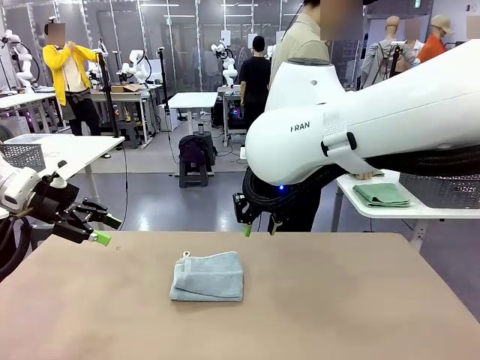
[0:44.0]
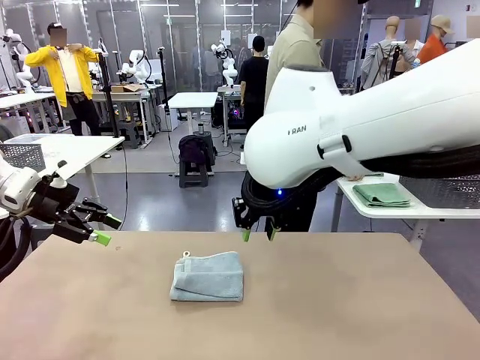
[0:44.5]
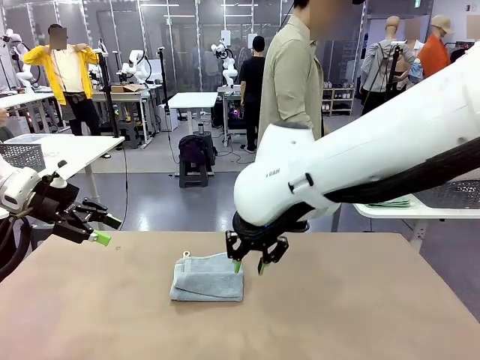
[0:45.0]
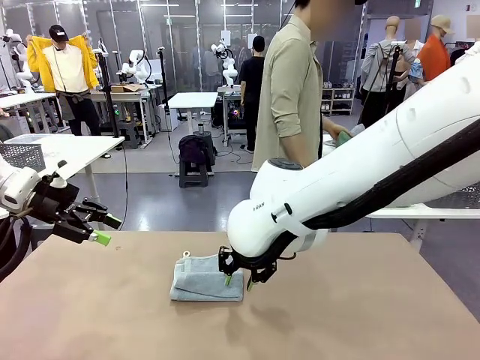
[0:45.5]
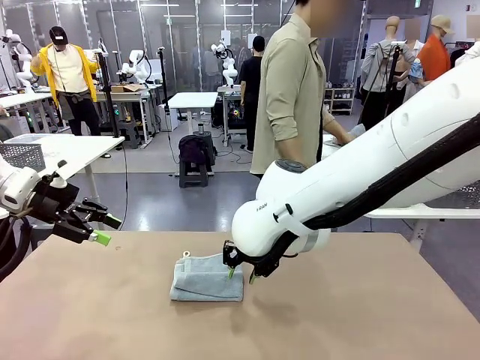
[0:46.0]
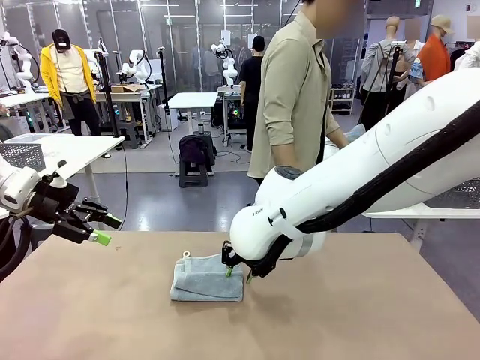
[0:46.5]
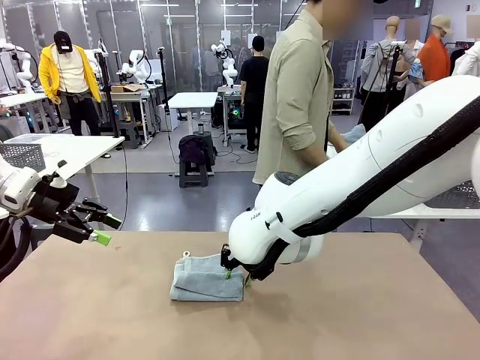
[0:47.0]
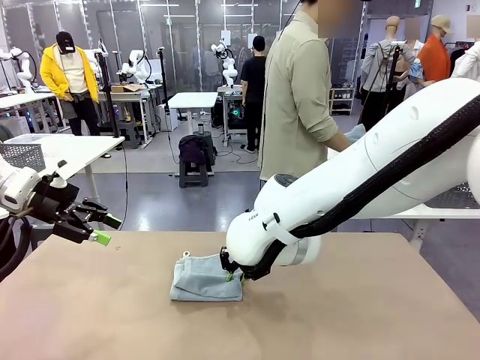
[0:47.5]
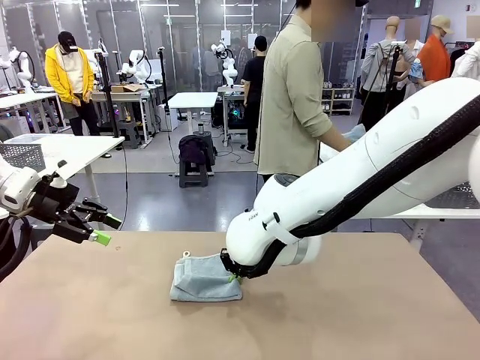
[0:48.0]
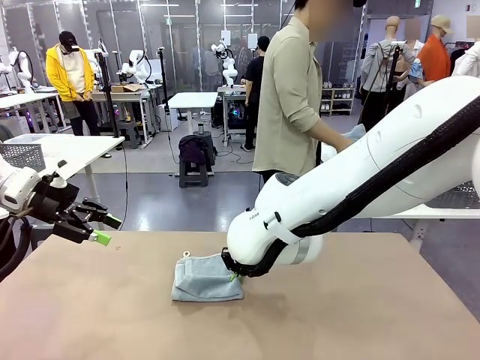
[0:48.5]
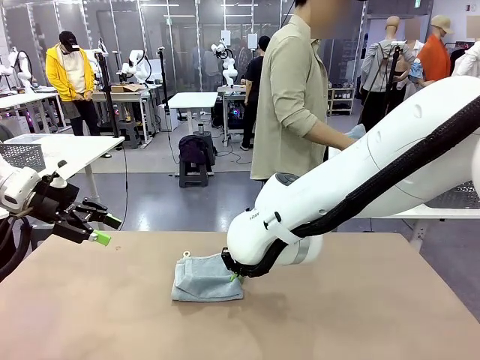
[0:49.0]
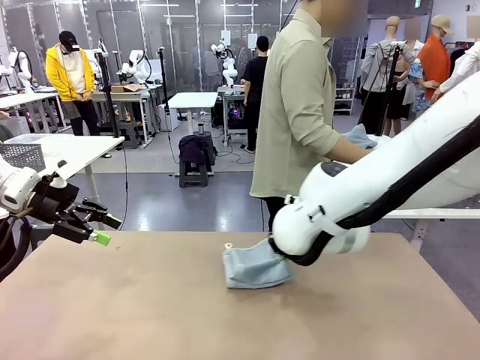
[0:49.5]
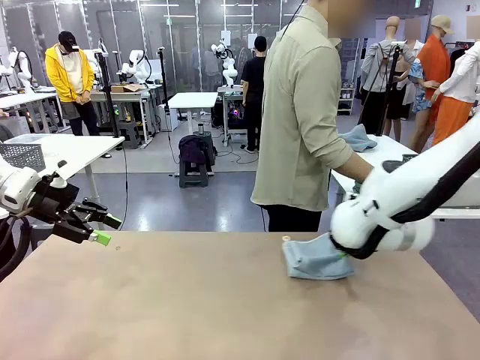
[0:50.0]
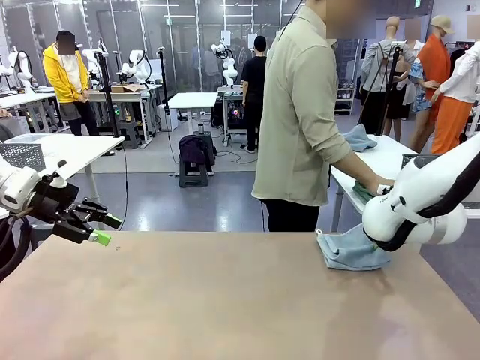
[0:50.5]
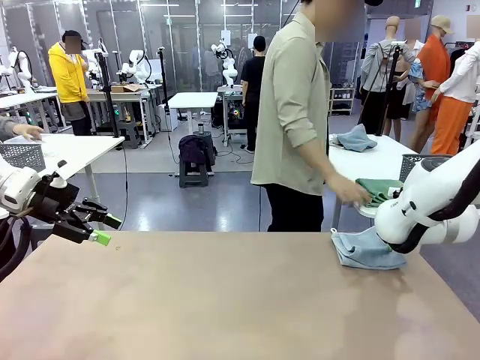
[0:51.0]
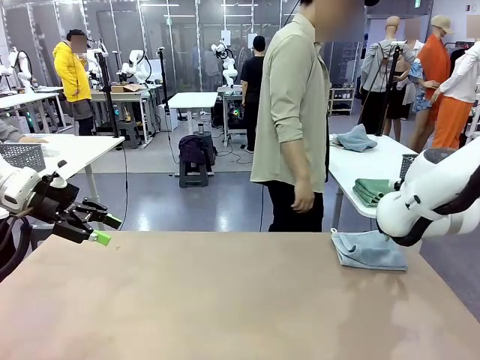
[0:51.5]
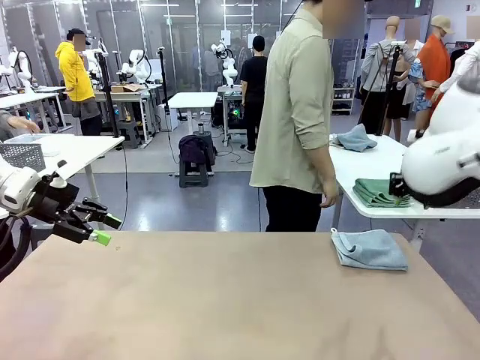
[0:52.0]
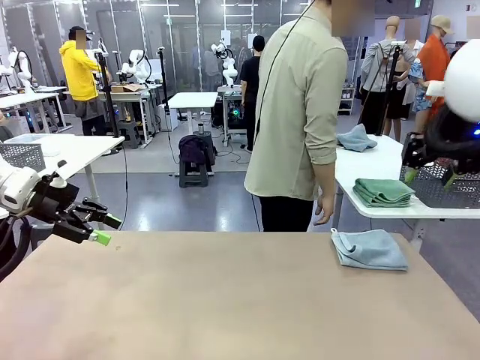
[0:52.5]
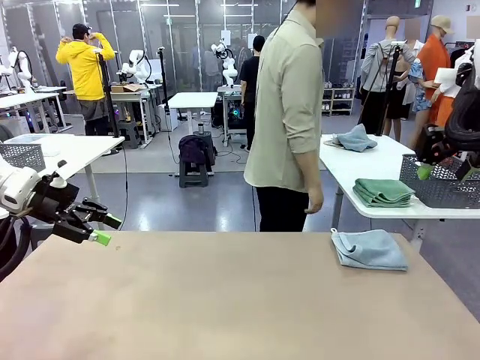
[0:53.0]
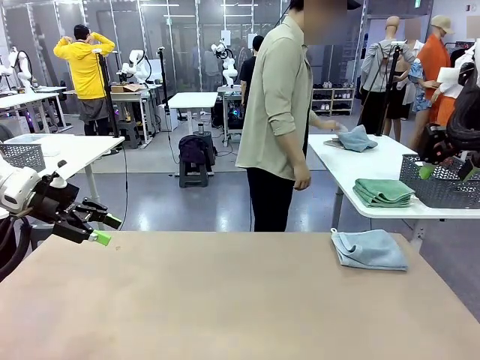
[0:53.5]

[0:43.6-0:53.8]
Task: Fold the towels and place them in the basket.
Robot: Place the folded Towel with hook on the right side of the table.

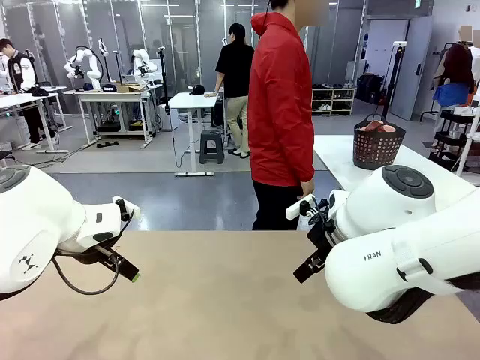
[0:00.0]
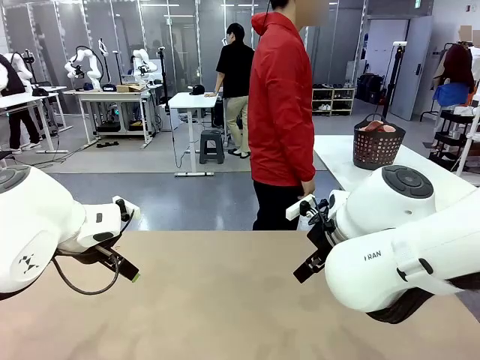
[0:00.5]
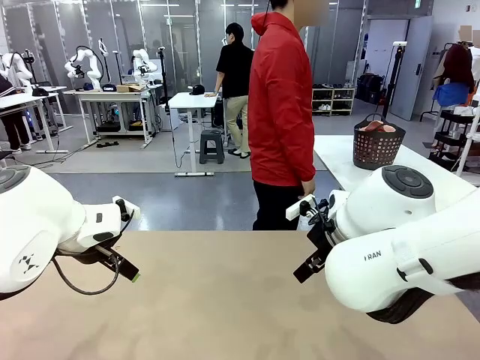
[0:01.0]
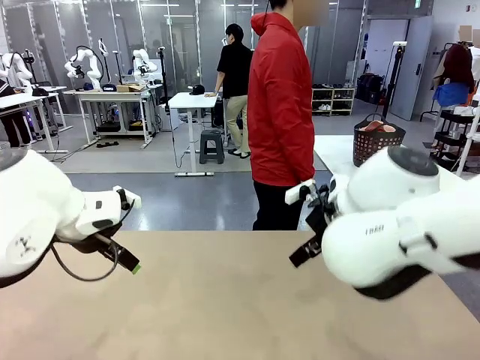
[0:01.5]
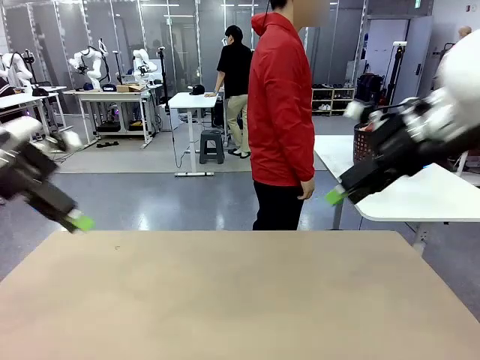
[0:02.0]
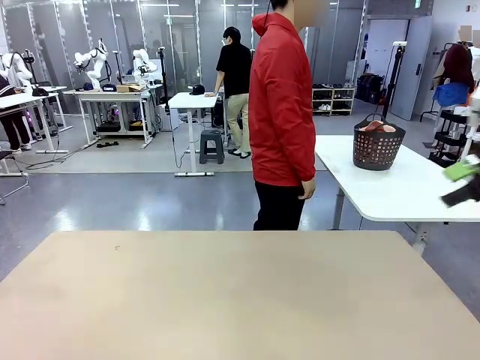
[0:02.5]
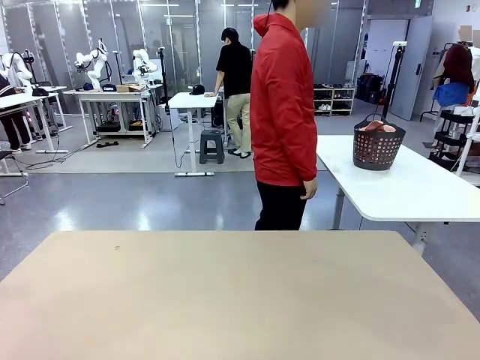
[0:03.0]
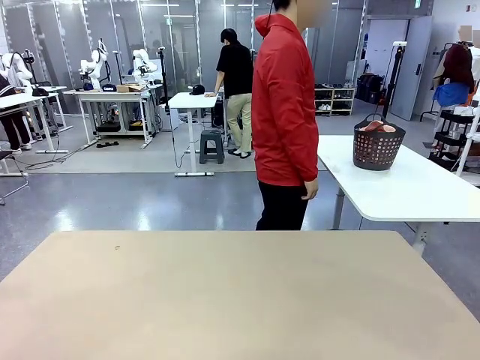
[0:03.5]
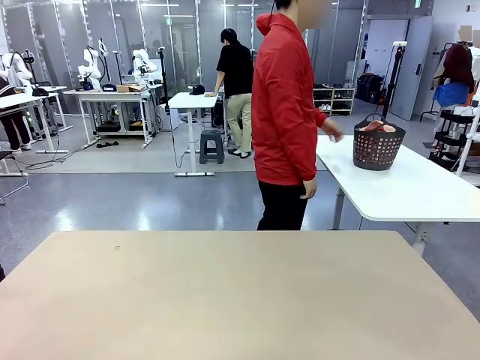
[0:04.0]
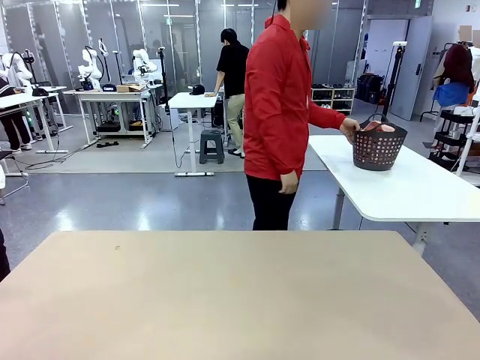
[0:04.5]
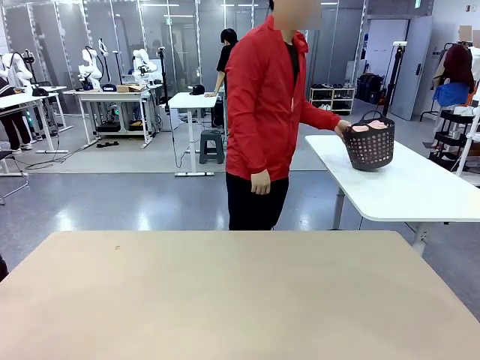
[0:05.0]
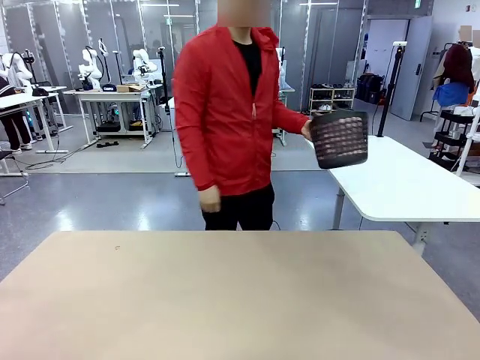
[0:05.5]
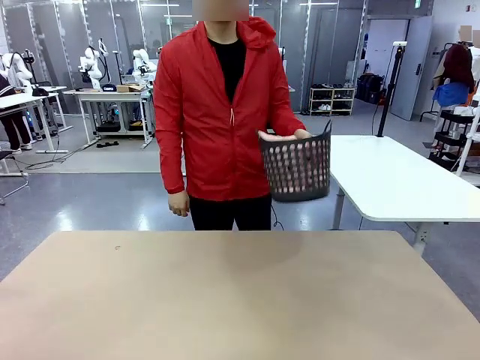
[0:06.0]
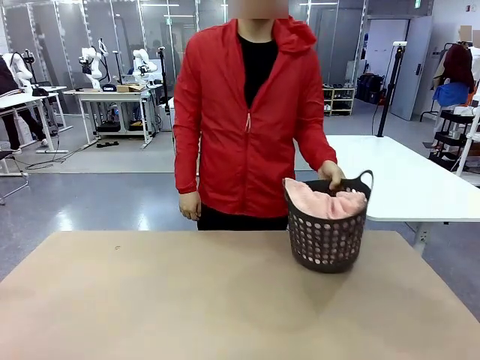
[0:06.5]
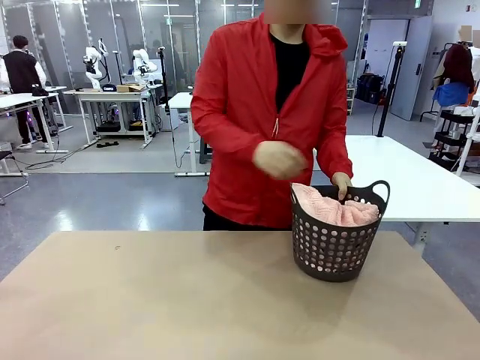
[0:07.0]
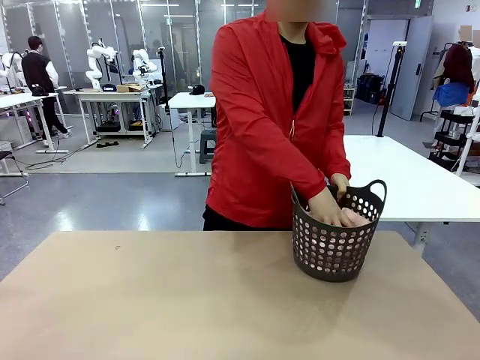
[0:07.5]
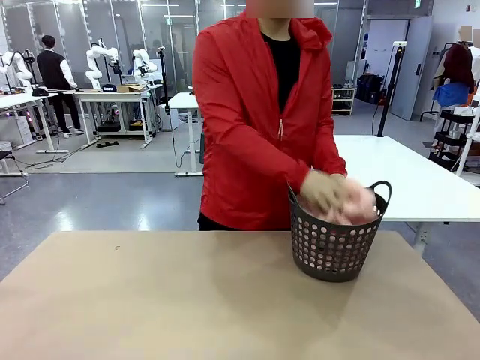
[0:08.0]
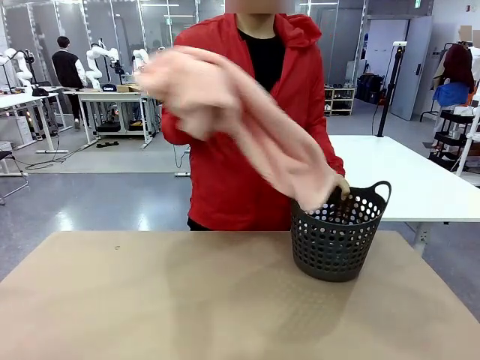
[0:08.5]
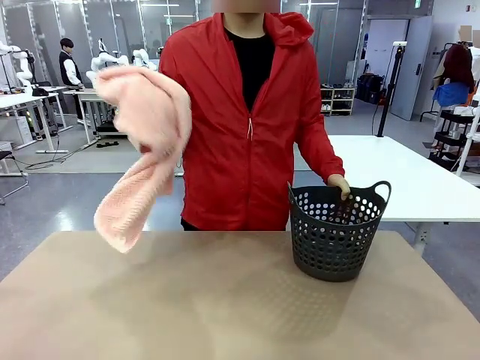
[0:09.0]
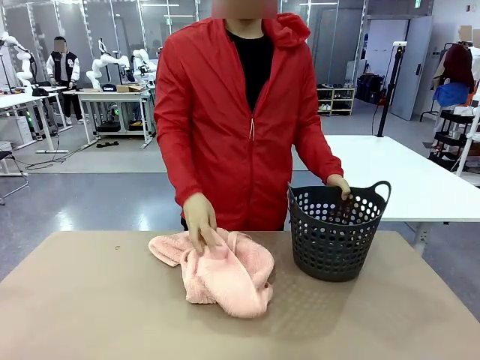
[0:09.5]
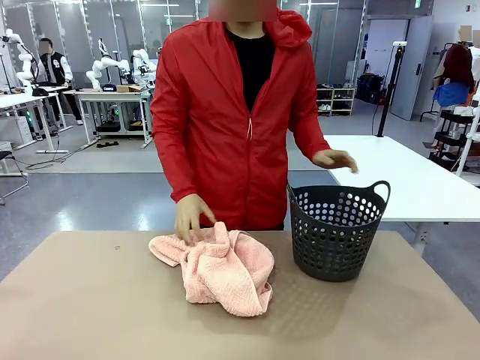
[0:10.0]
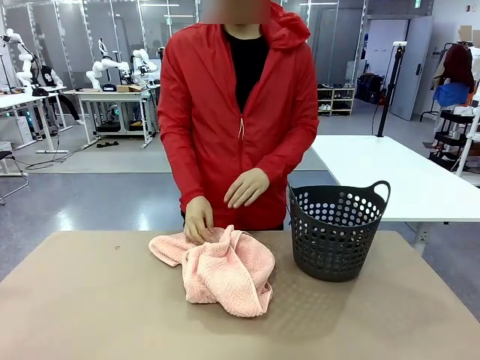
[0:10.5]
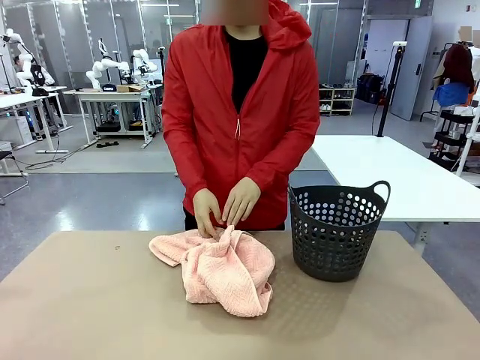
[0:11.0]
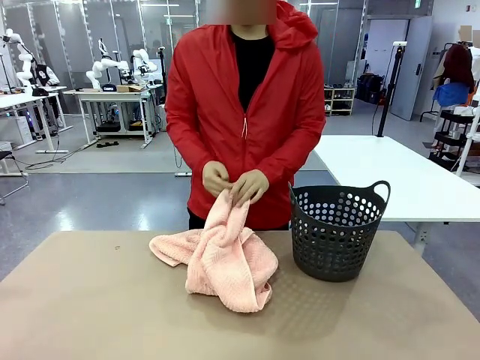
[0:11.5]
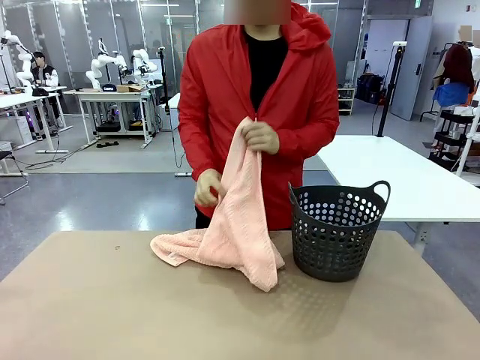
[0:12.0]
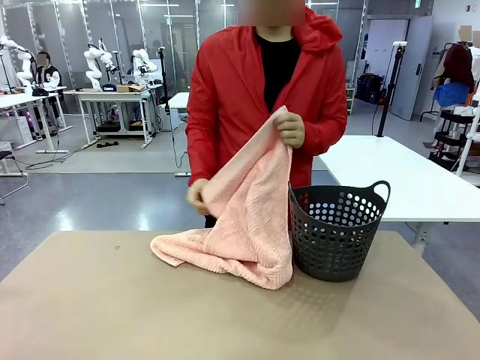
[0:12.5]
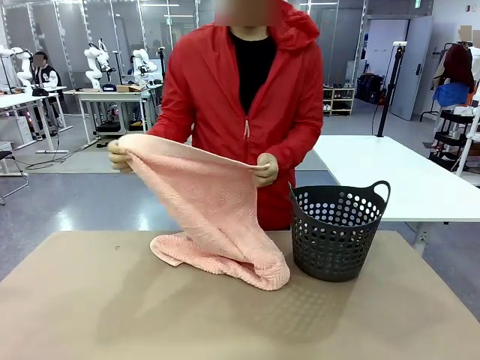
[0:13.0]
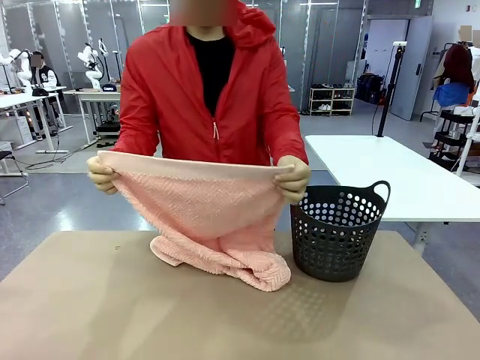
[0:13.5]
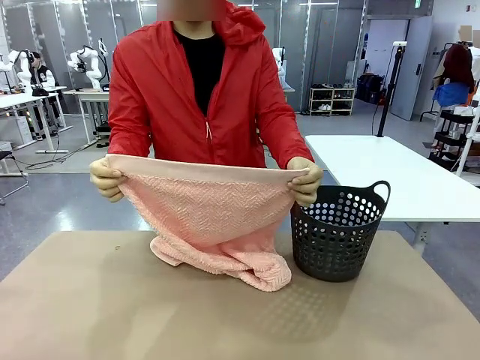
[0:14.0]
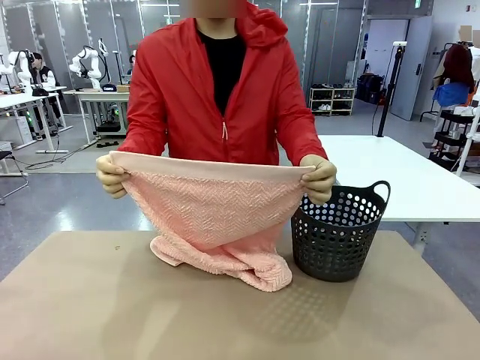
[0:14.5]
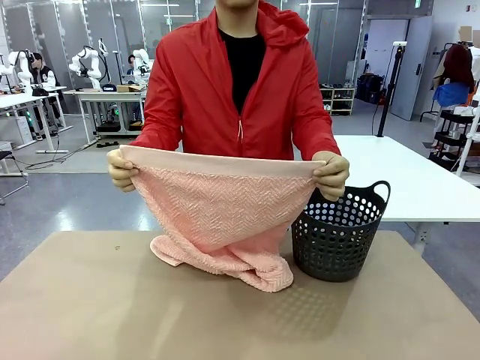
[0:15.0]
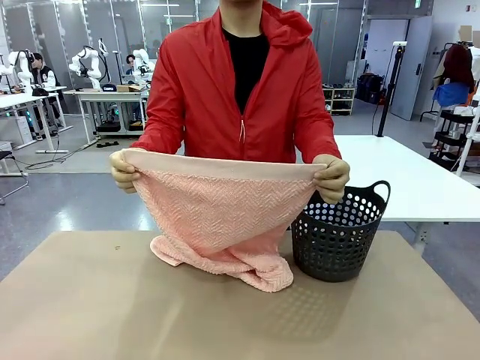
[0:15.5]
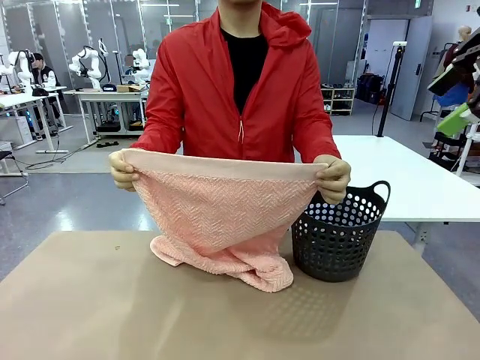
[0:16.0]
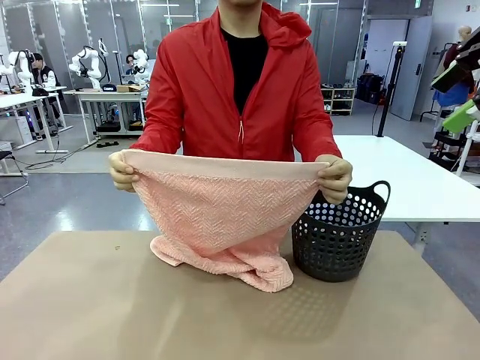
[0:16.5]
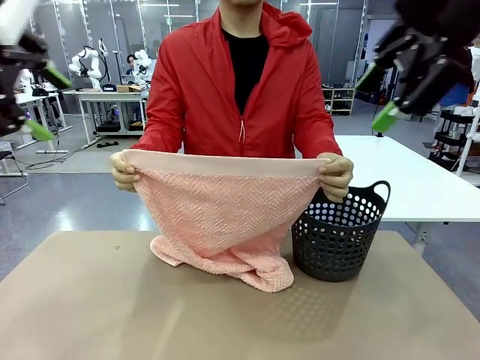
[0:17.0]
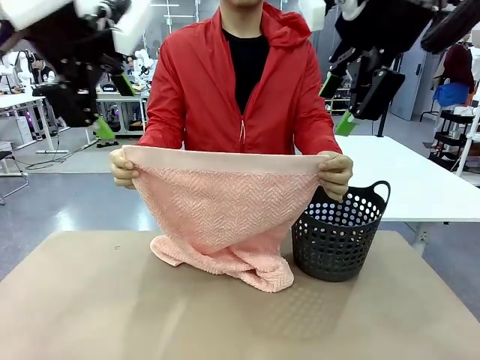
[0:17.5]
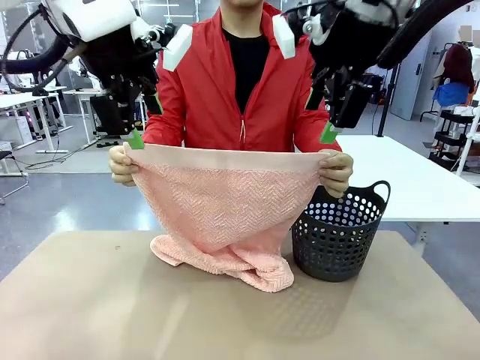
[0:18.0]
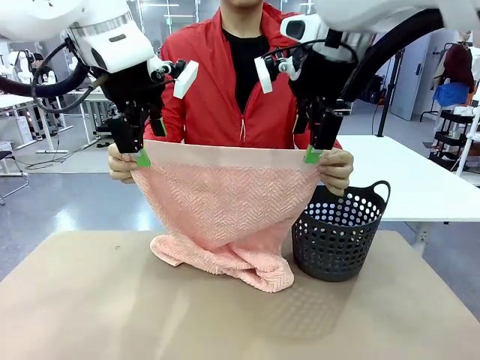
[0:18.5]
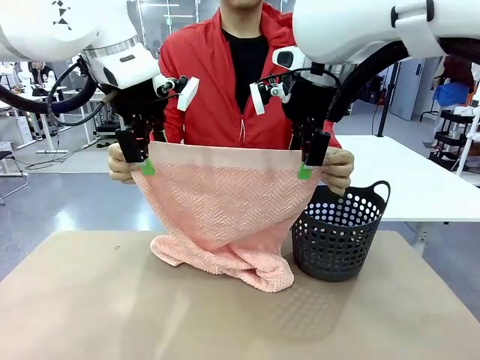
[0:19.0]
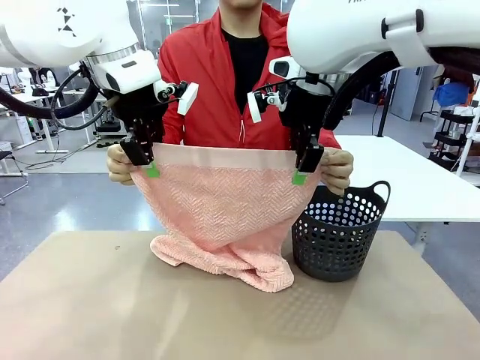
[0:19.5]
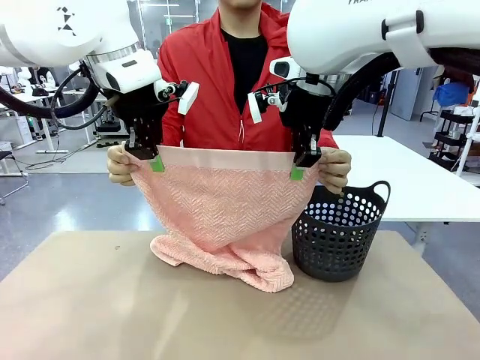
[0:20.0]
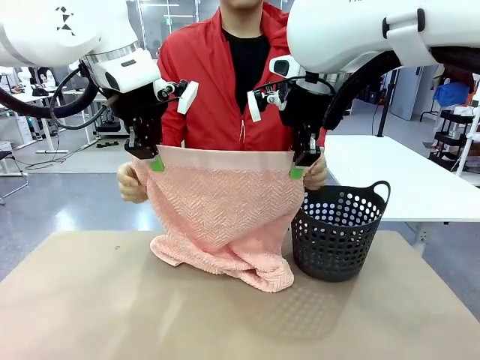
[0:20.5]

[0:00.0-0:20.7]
Task: Fold the towel.
Robot: Grab the top end of the 100 cm Hotel Towel extended by the human.
Person: Pick up the laundry basket, place it on the left side of the robot table, then take out a towel and hand it to the robot while holding both corners of one end.
